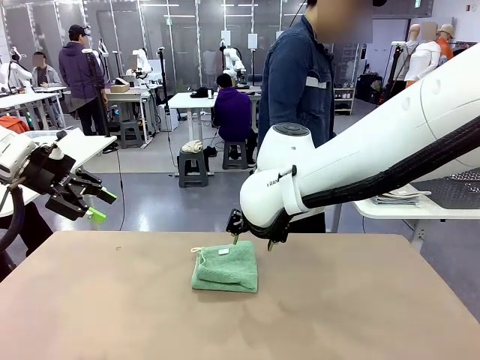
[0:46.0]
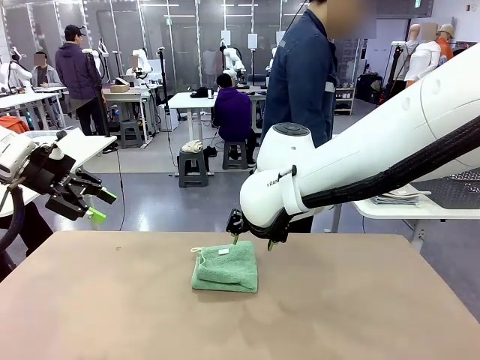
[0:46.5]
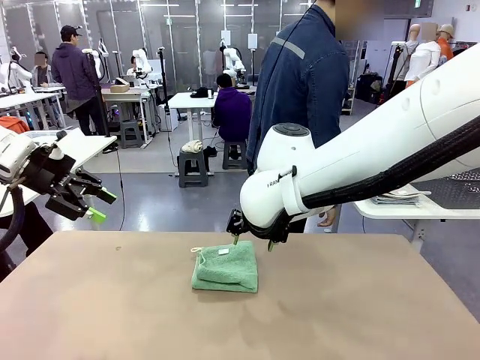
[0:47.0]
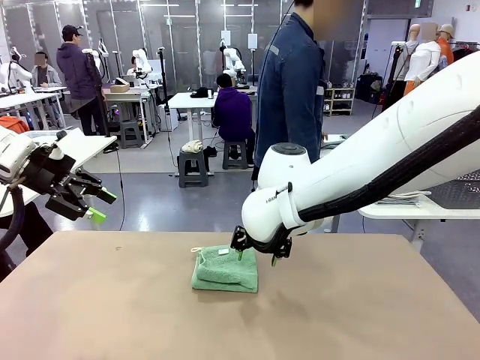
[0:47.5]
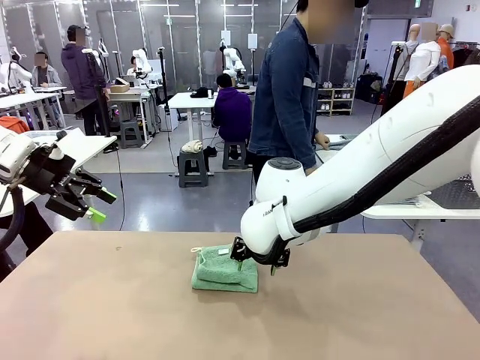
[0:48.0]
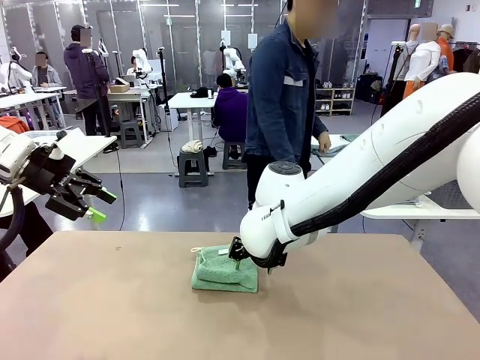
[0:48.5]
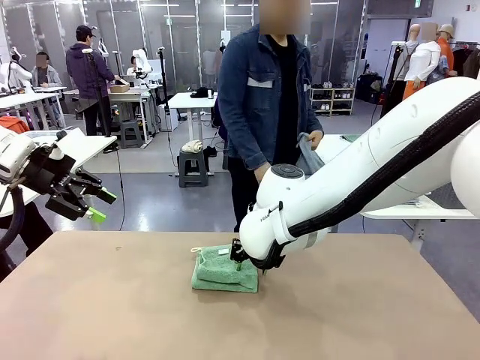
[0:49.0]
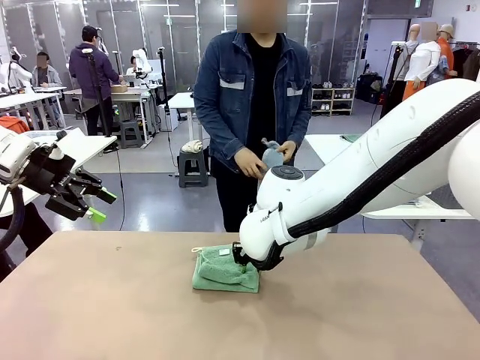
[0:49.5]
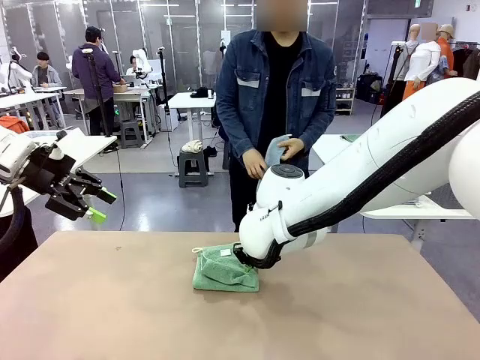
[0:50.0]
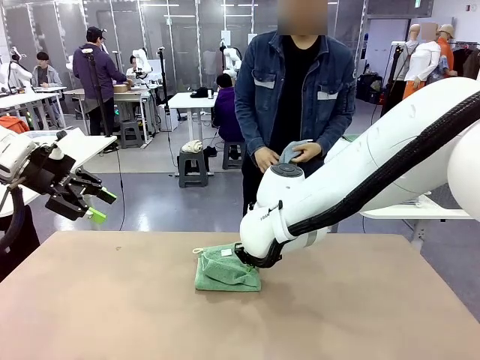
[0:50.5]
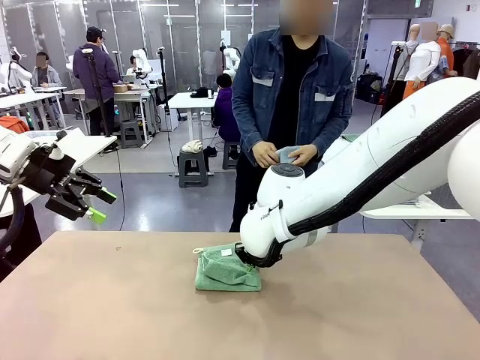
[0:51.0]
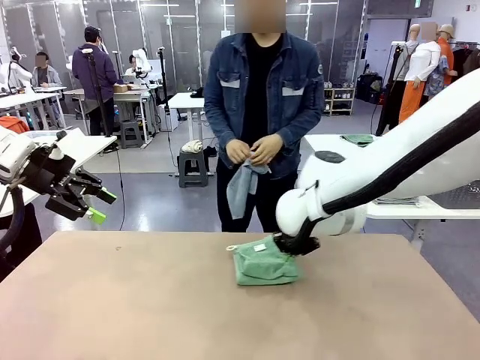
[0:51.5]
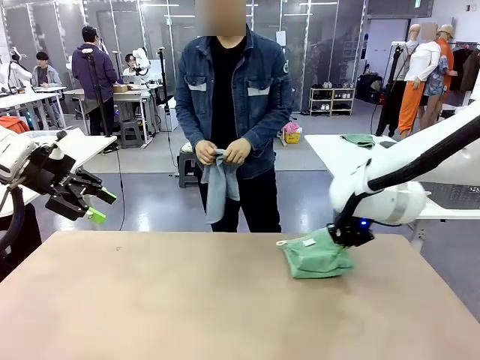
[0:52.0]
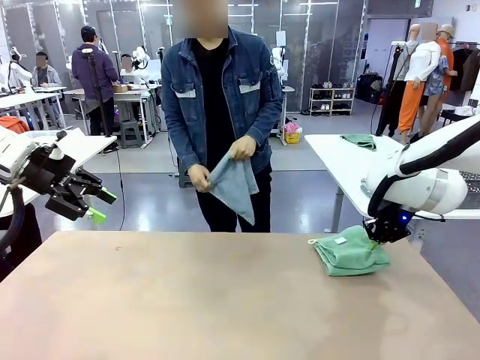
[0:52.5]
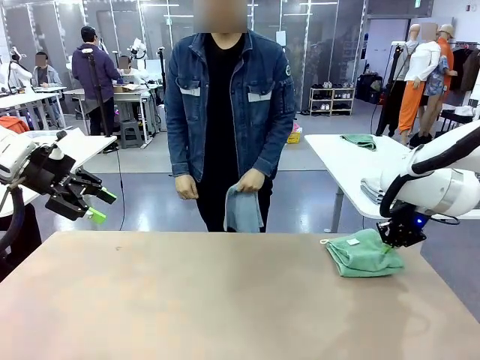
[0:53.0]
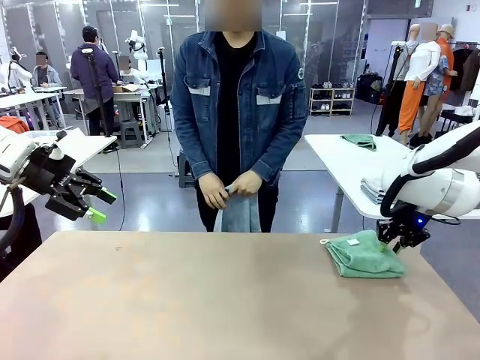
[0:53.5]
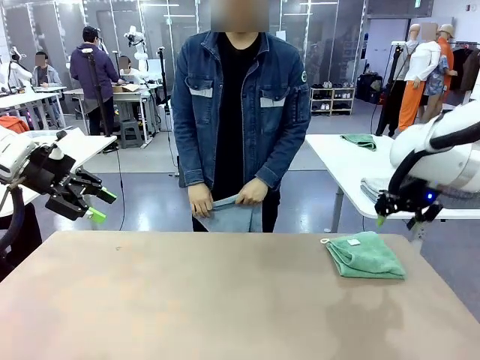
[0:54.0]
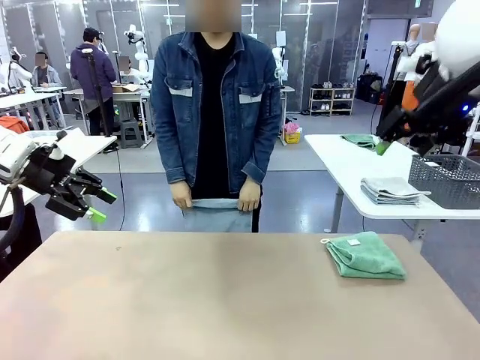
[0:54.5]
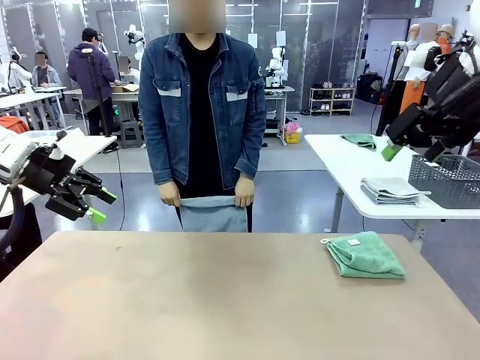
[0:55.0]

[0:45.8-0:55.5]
Task: Fold the towels and place them in the basket.
Robot: Place the folded Towel with hook on the right side of the table.
Person: Pick up one towel from the left side of the human table and spread it out at the center of the robot table.

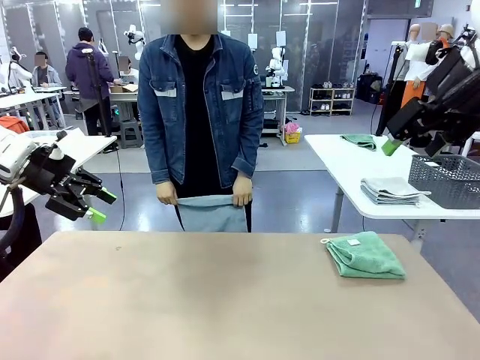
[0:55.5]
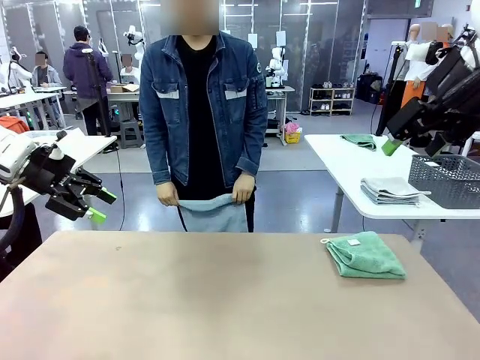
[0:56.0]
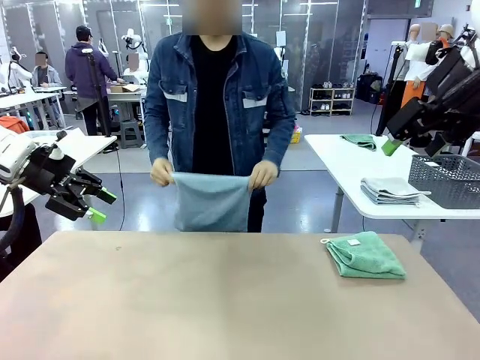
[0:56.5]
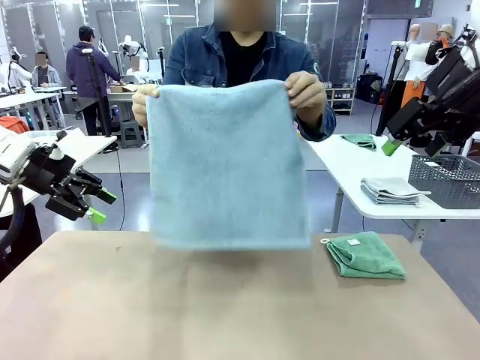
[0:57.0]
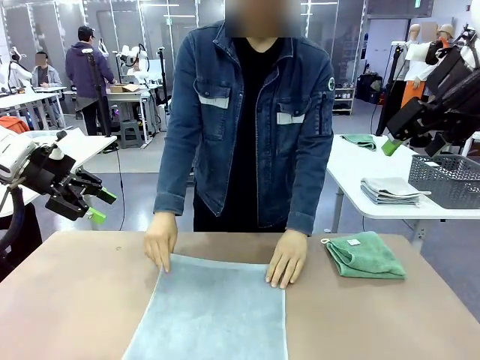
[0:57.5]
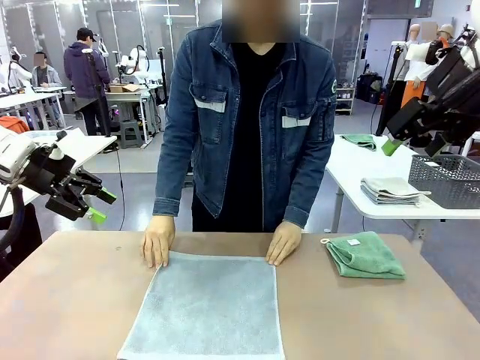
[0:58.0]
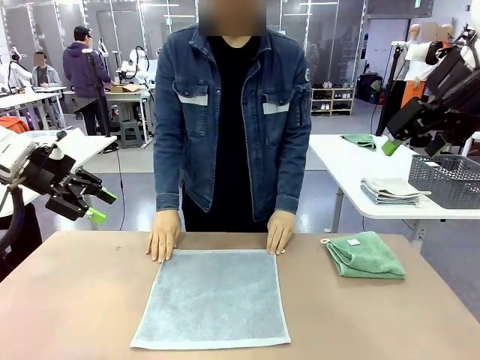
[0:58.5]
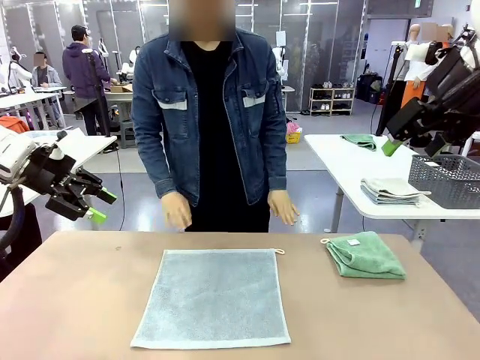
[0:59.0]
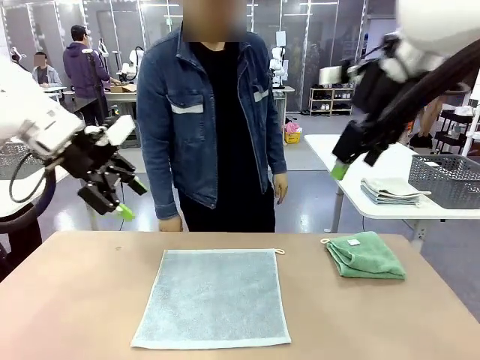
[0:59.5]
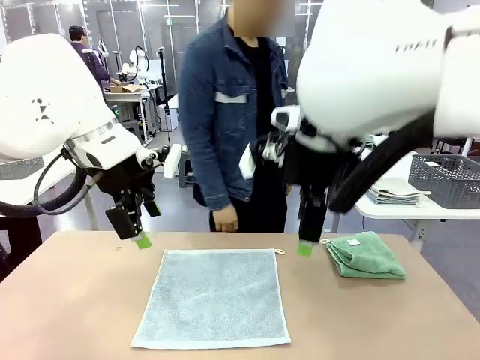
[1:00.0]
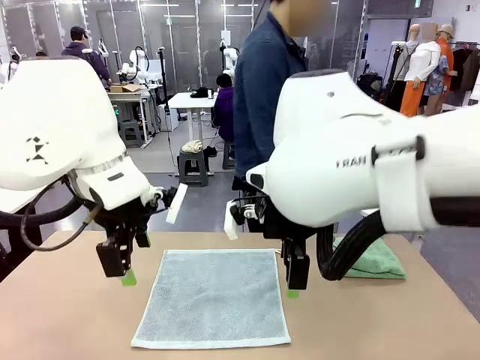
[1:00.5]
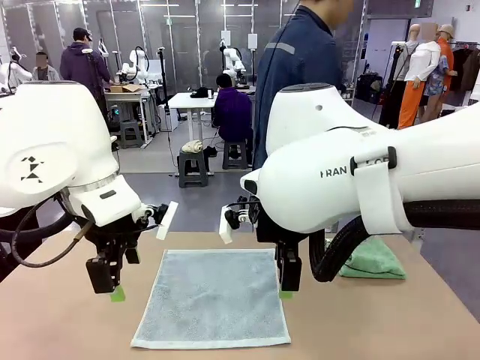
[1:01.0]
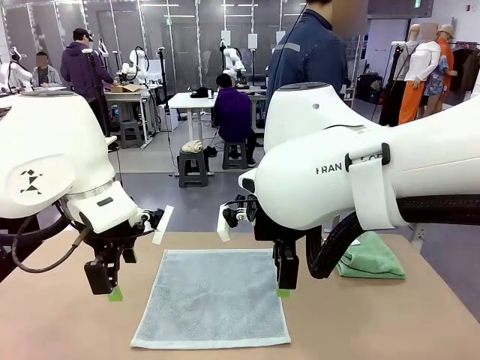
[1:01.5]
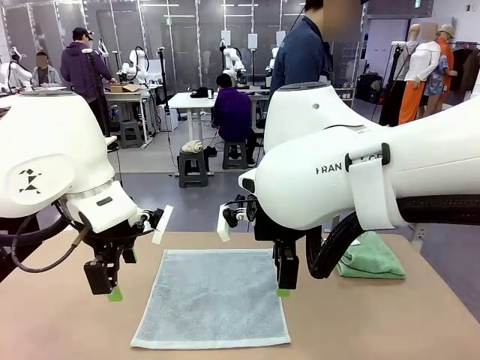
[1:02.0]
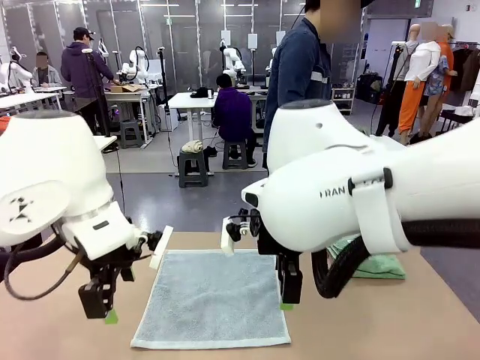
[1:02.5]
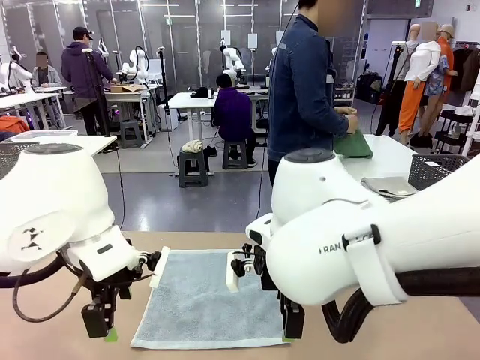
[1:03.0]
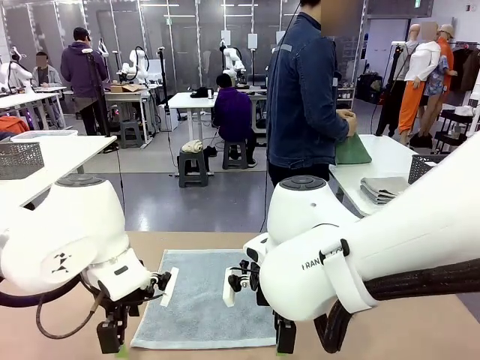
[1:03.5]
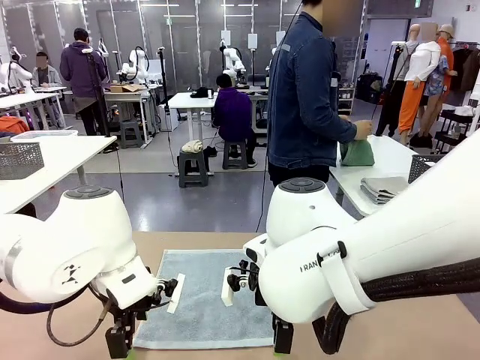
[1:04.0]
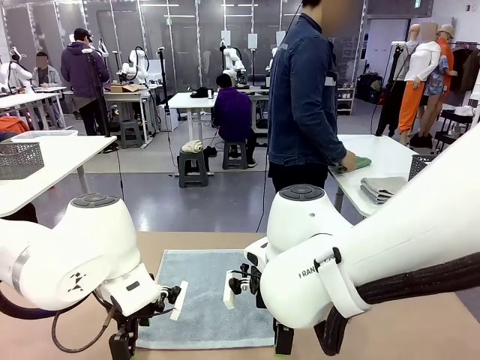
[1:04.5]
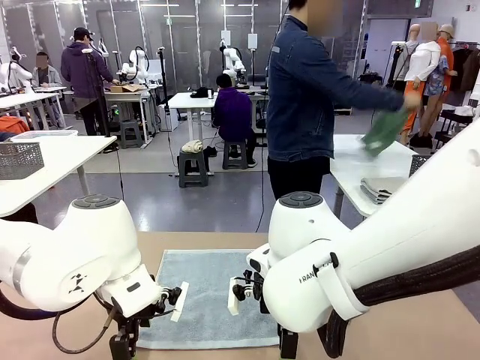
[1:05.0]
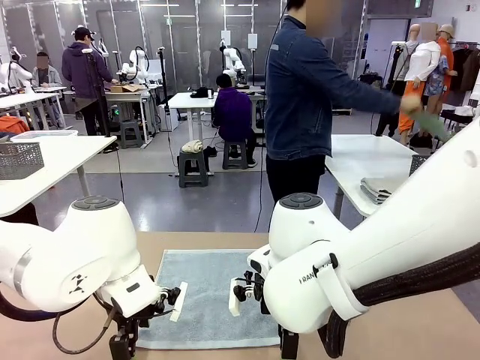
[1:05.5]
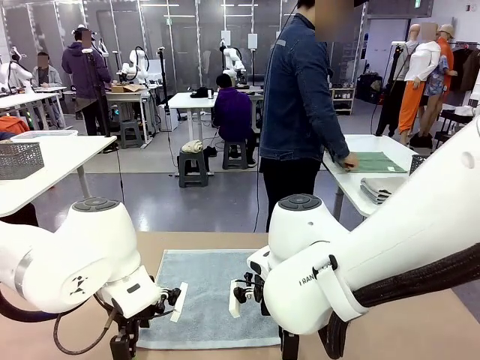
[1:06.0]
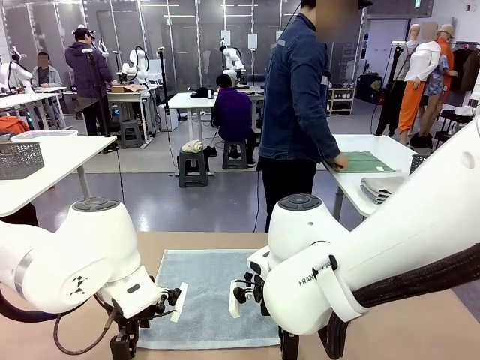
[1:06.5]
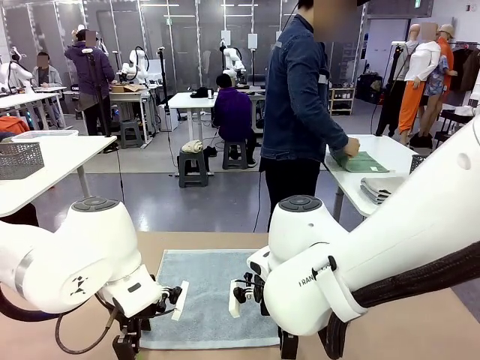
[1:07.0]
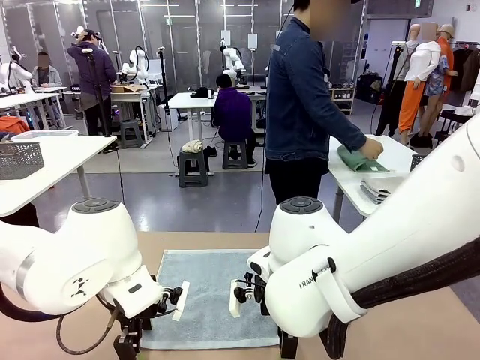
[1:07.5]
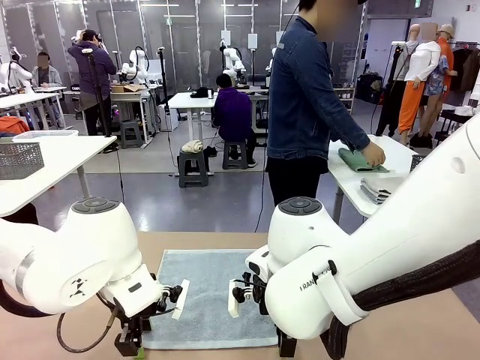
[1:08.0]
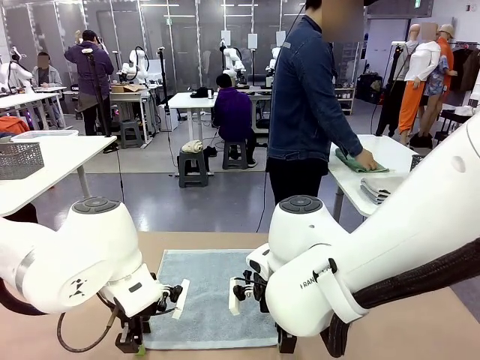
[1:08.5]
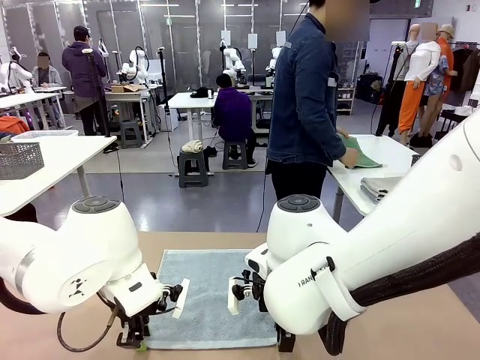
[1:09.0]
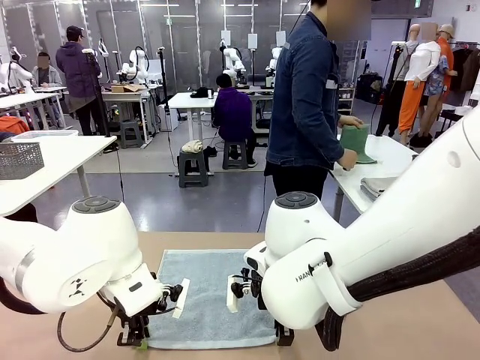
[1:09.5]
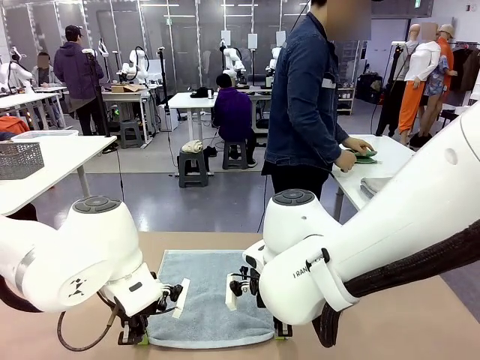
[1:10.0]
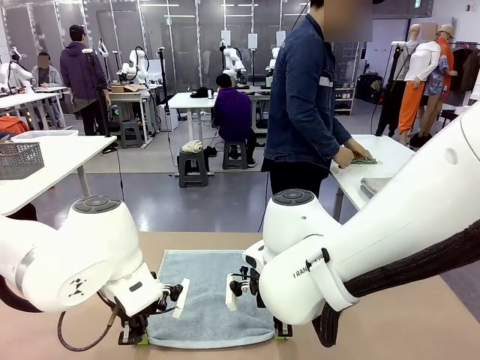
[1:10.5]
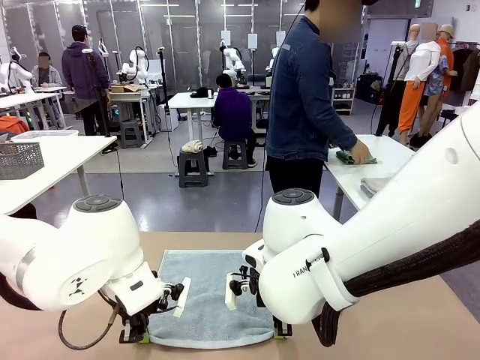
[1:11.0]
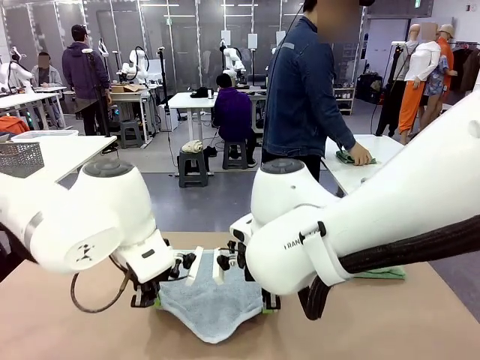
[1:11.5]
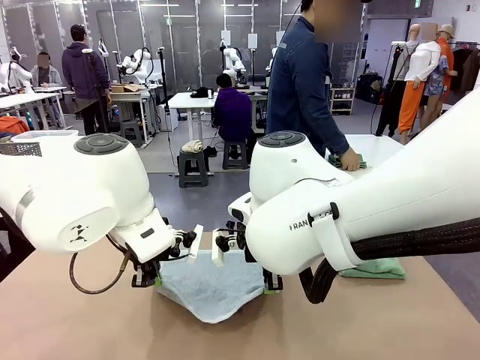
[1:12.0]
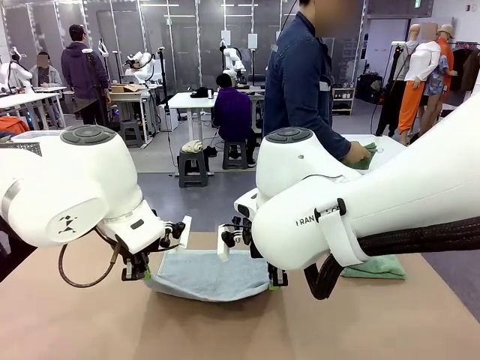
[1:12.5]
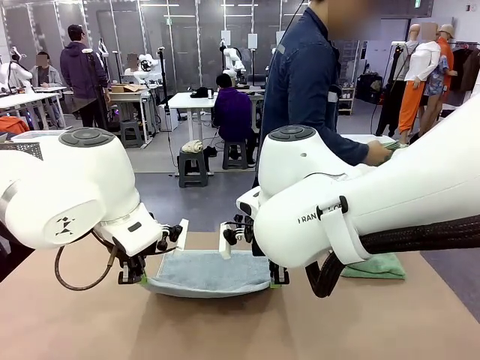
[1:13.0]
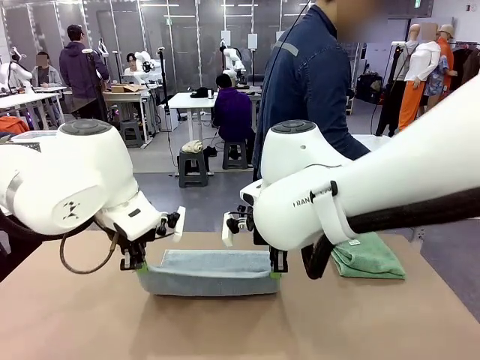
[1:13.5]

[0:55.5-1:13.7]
Robot: When a person lays out a Towel with hook on the table, fold it in half twice.
Person: Pick up one towel from the left side of the human table, fold it in half twice, and stack it on the right side of the table.
